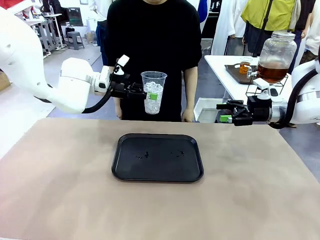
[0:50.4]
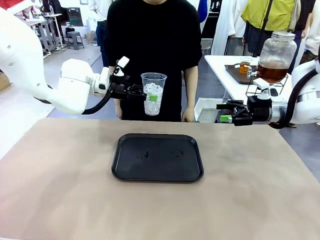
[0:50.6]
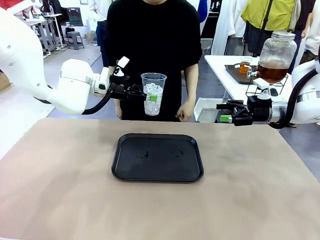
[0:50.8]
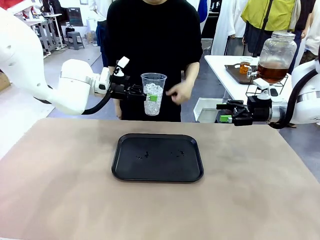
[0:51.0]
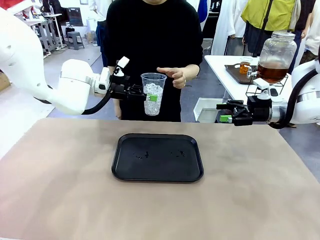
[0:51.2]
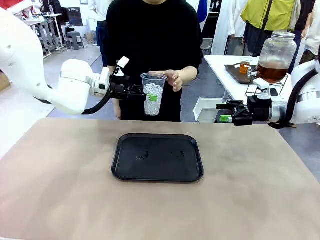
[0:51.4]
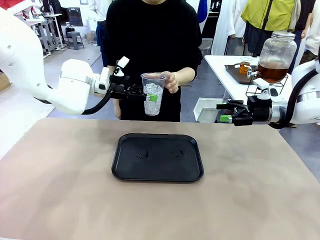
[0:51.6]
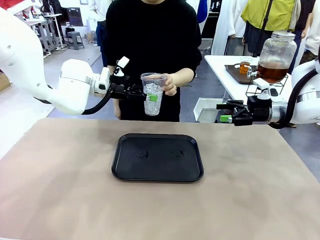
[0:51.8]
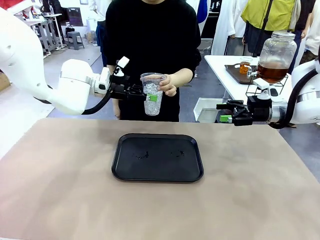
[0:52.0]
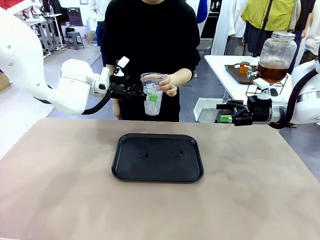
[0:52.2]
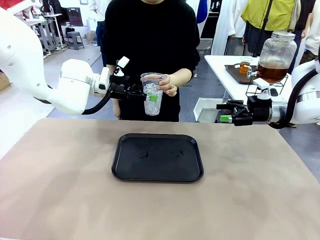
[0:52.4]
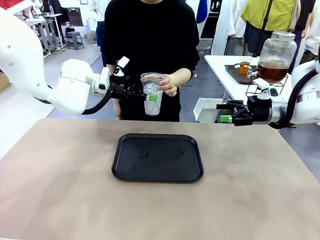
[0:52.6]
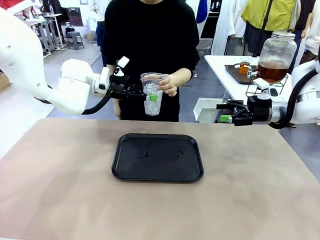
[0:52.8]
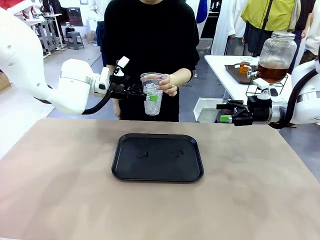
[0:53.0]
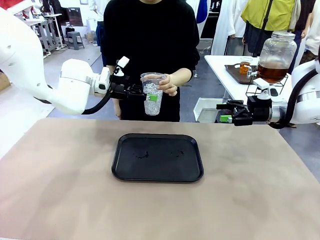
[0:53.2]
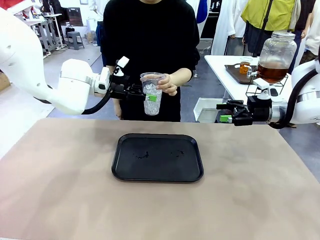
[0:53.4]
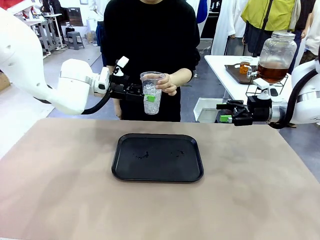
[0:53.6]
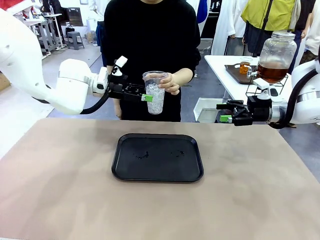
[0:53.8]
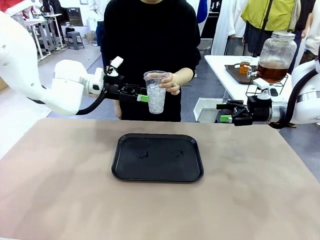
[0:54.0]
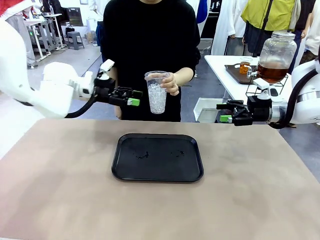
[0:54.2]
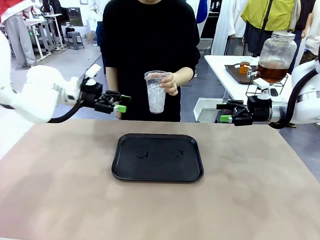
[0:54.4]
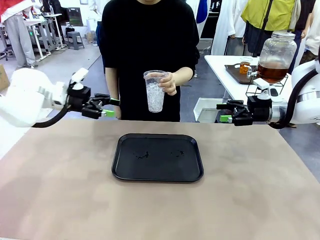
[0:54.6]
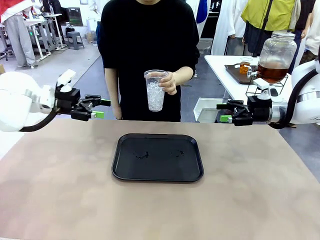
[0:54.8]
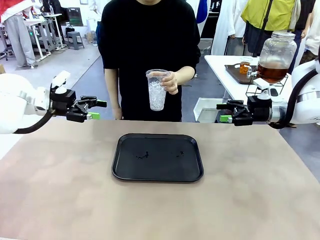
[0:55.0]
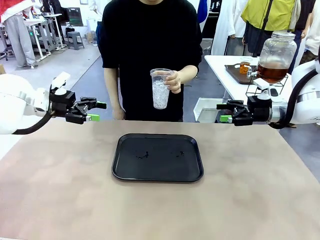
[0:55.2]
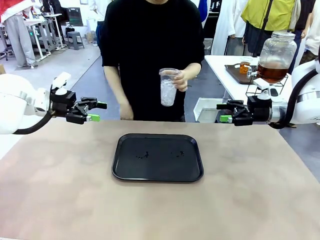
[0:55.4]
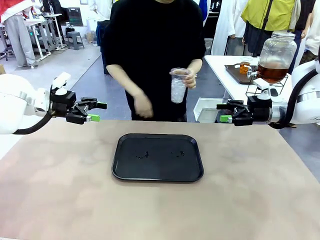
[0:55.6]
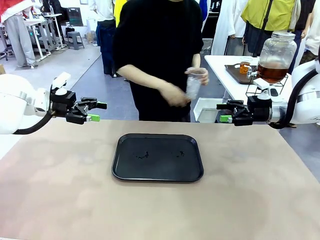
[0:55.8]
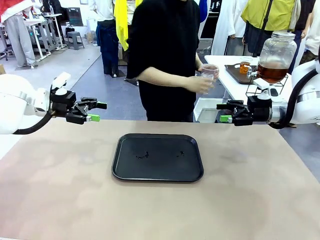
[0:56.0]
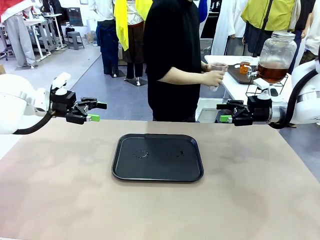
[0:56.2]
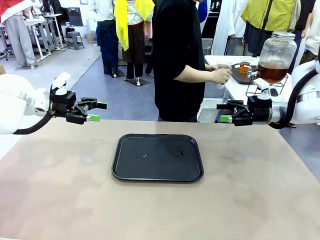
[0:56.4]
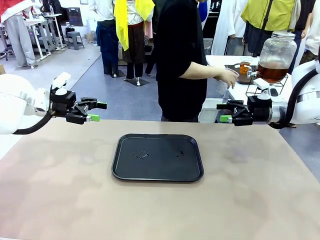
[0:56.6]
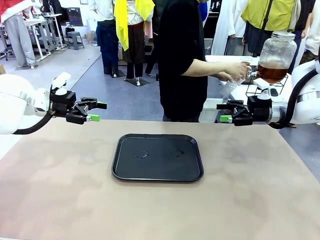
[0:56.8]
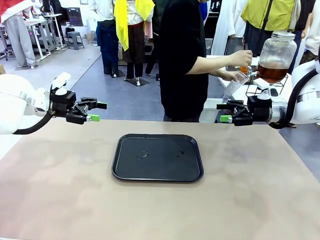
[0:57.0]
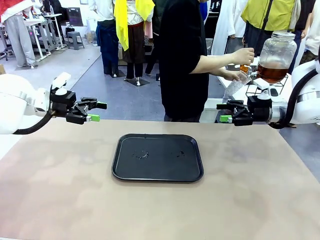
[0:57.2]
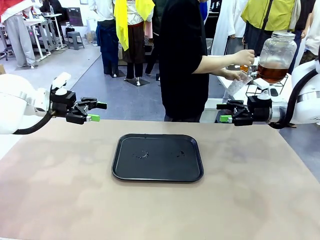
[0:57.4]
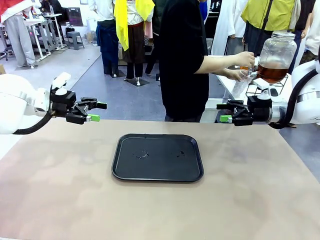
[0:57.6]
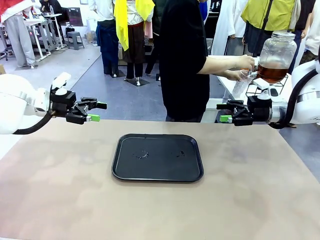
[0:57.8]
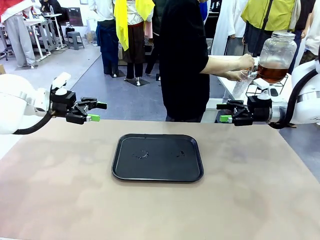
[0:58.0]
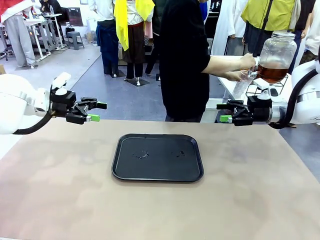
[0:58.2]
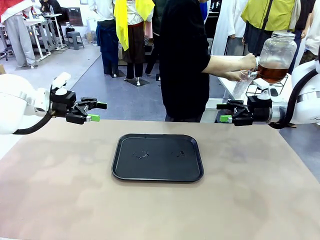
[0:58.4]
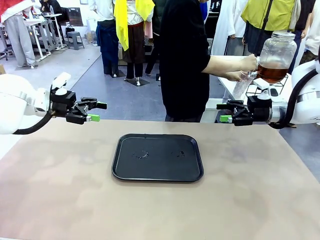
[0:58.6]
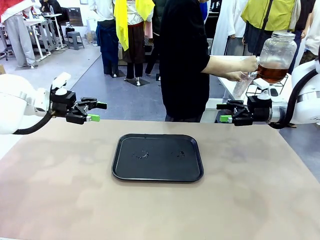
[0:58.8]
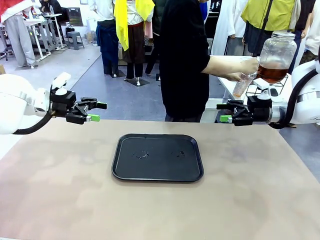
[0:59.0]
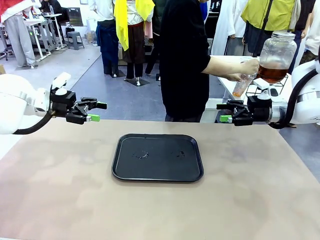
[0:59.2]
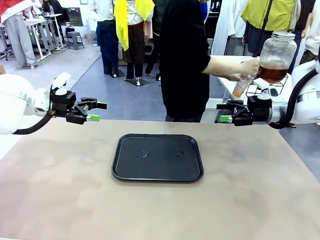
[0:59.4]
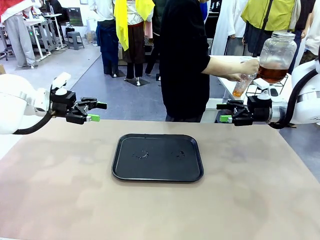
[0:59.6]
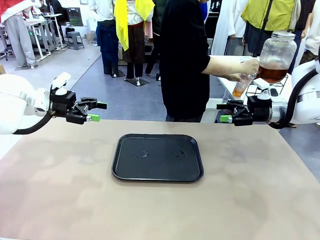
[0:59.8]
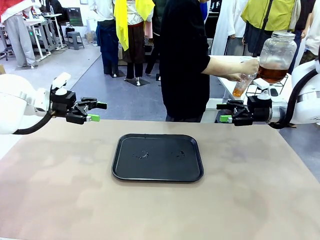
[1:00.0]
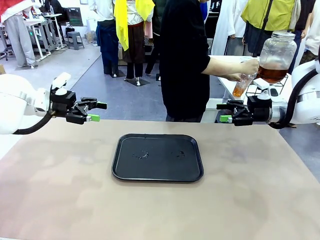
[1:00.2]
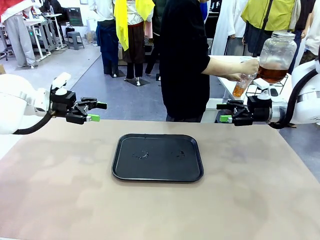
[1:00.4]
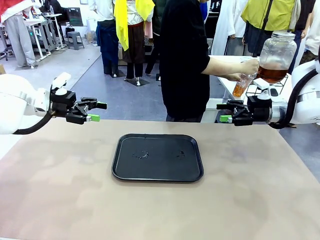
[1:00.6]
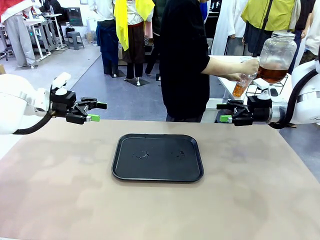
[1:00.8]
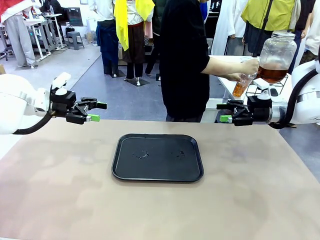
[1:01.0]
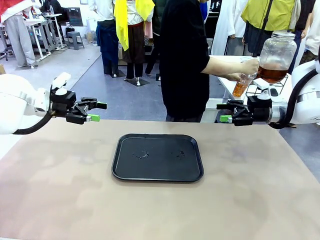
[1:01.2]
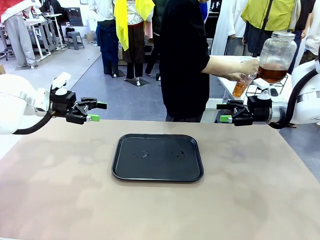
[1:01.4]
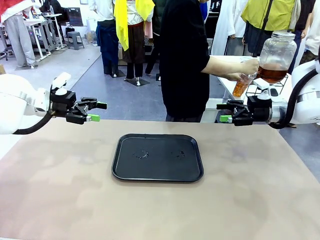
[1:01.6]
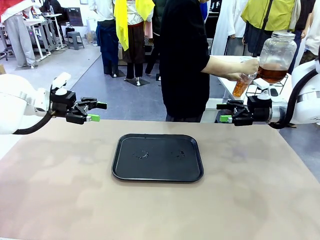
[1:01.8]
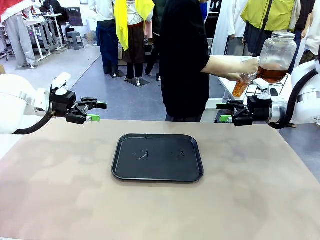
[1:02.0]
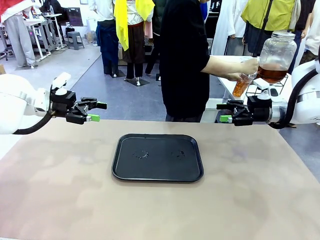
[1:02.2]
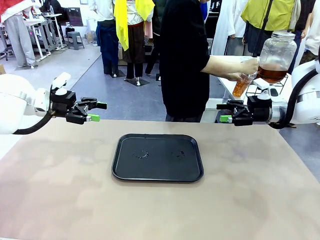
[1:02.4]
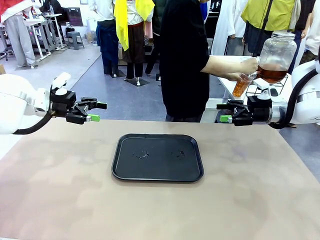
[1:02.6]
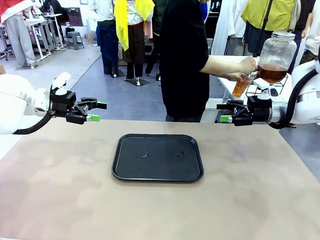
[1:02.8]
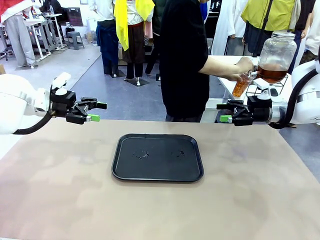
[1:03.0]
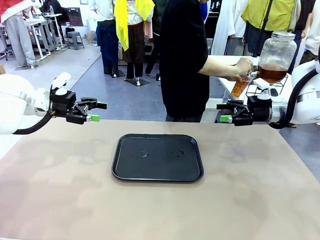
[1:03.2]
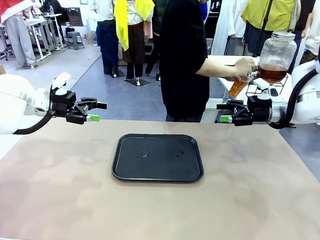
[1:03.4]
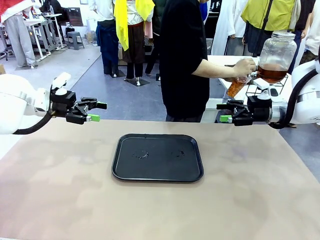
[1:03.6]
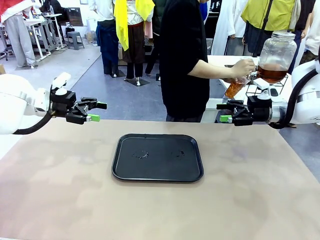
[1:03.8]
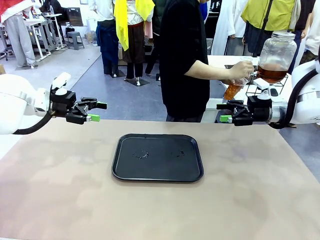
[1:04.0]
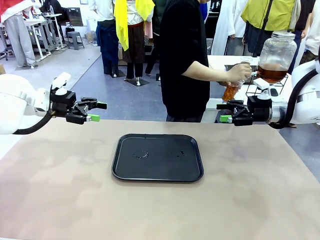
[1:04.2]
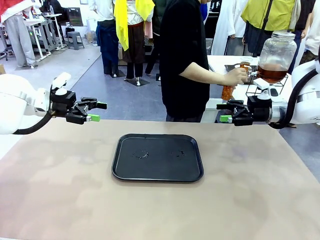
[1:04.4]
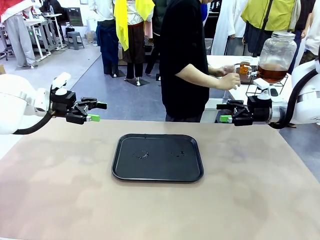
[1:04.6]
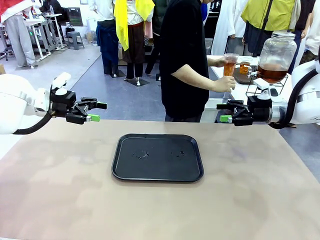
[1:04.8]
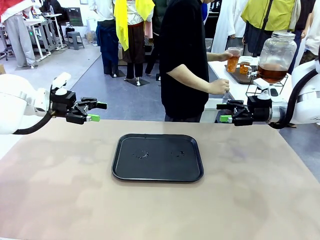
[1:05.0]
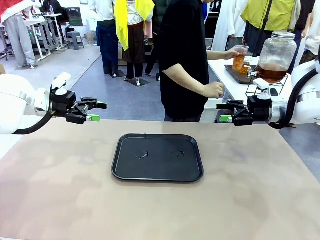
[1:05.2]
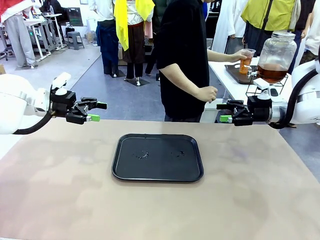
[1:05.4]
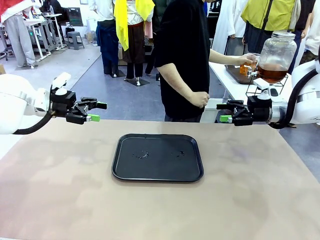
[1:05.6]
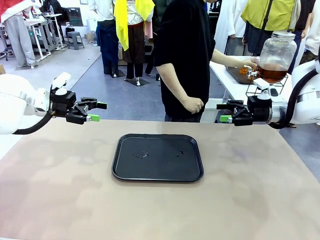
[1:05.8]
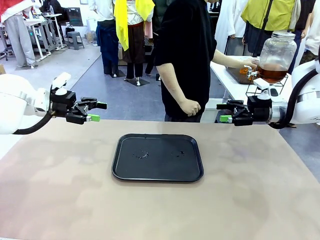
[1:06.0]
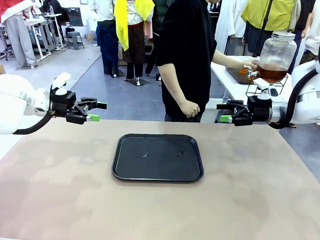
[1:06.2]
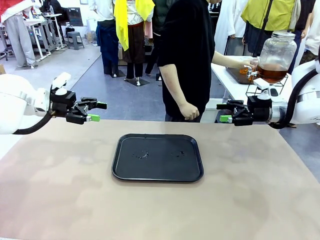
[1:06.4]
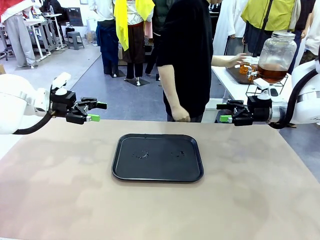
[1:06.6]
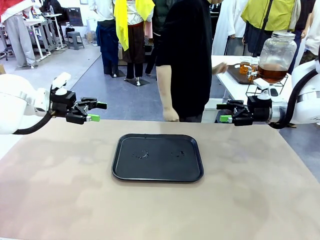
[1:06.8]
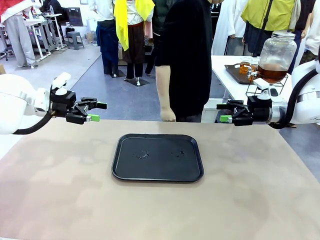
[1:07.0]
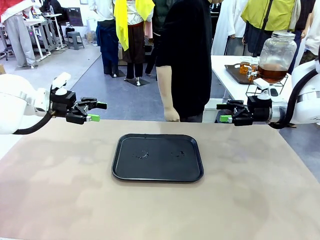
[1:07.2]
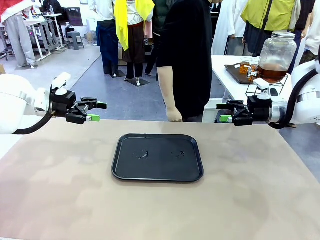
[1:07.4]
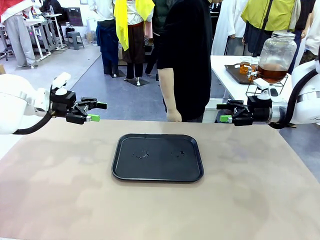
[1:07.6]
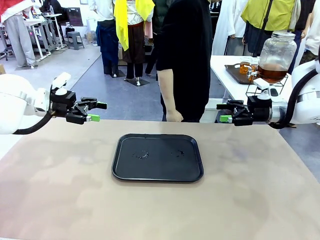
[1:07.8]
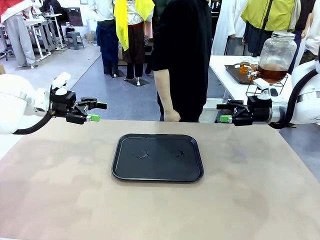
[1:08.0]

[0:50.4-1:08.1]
Task: Pour the drink into the iced cup.
Robot: Open the gripper to release the iced cup you were holding.
Person: Move the picked-up cup under the dispenser faucet, pour the drink, and place it on the tray on the human table.
